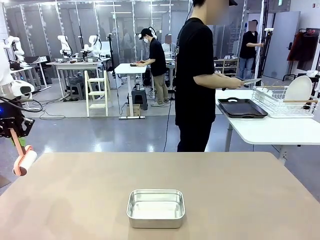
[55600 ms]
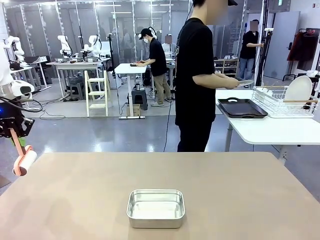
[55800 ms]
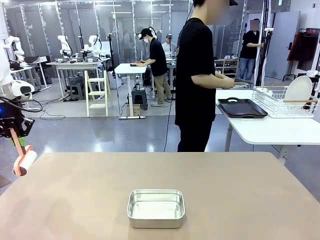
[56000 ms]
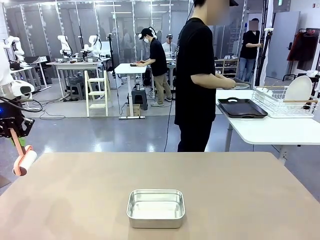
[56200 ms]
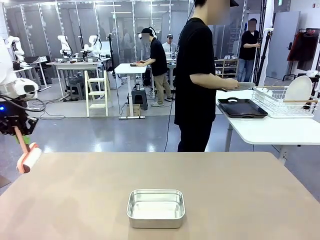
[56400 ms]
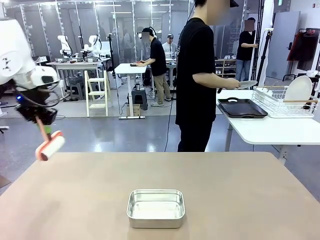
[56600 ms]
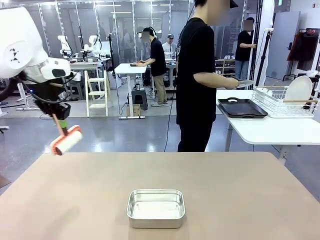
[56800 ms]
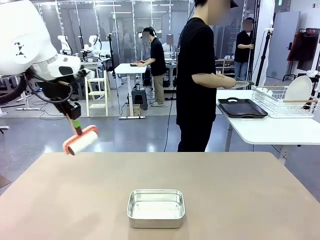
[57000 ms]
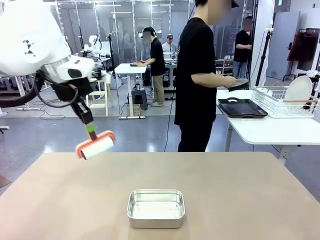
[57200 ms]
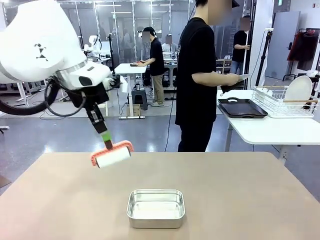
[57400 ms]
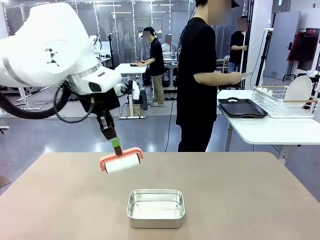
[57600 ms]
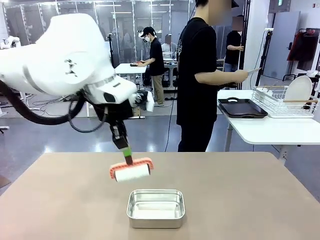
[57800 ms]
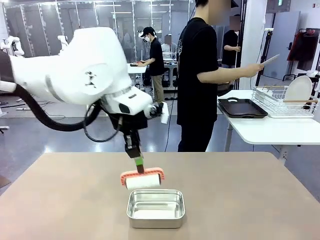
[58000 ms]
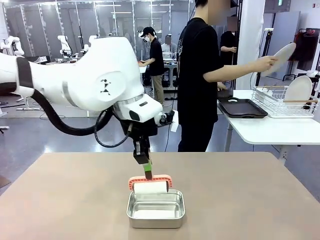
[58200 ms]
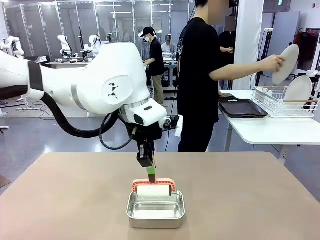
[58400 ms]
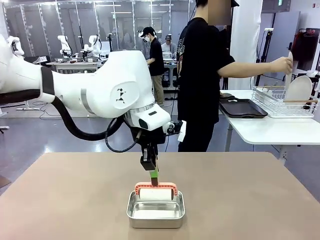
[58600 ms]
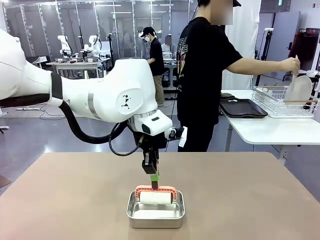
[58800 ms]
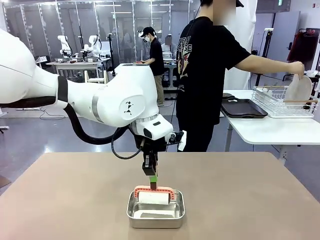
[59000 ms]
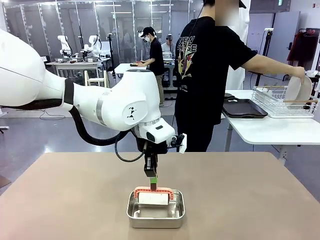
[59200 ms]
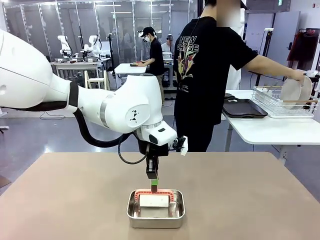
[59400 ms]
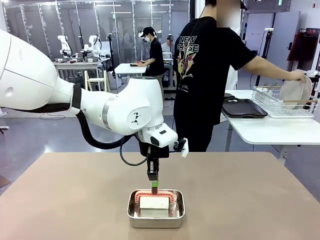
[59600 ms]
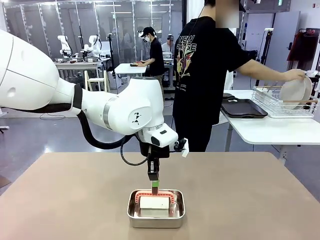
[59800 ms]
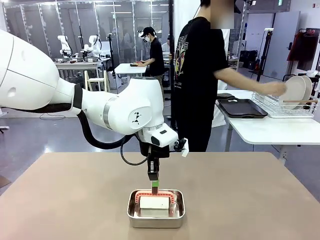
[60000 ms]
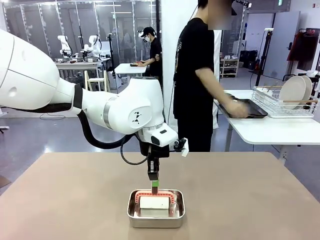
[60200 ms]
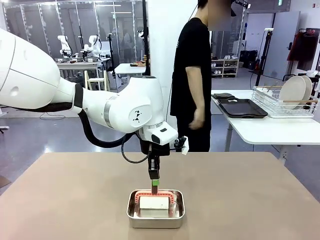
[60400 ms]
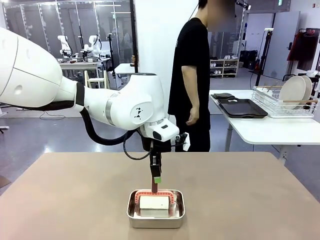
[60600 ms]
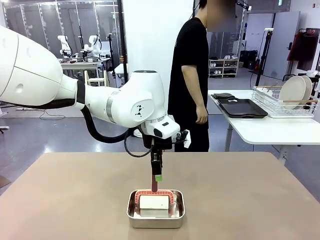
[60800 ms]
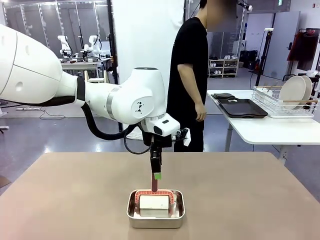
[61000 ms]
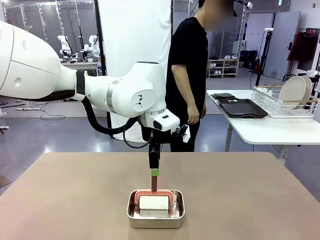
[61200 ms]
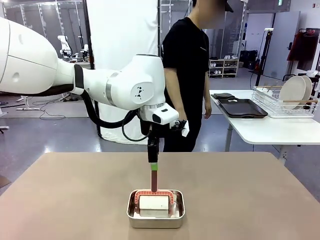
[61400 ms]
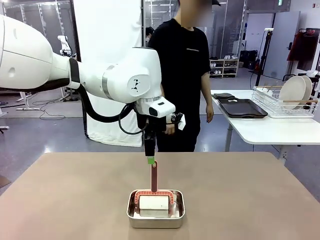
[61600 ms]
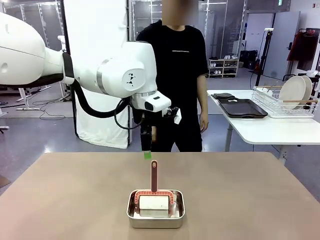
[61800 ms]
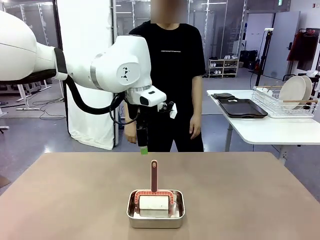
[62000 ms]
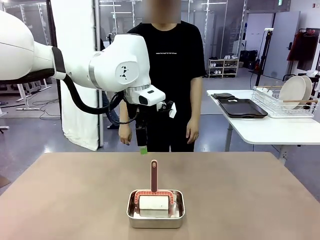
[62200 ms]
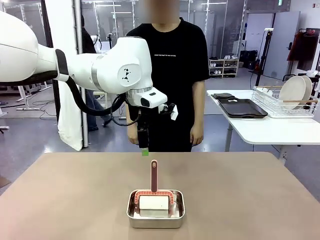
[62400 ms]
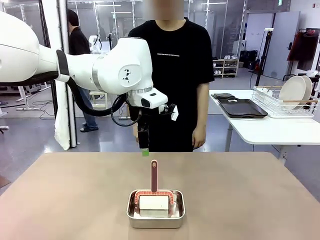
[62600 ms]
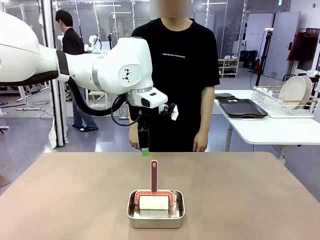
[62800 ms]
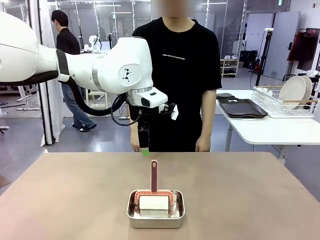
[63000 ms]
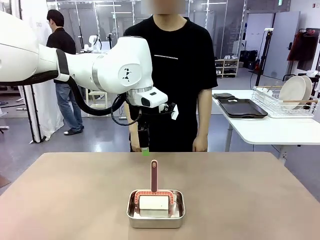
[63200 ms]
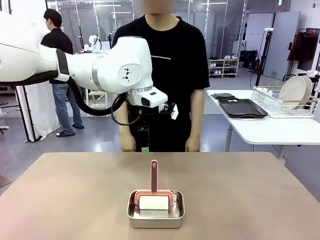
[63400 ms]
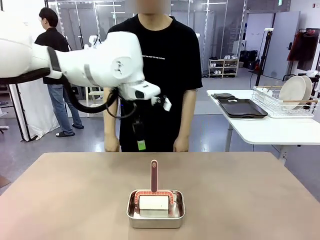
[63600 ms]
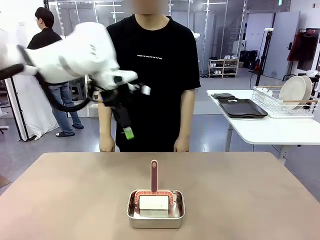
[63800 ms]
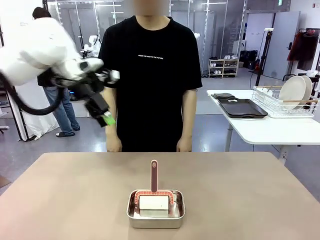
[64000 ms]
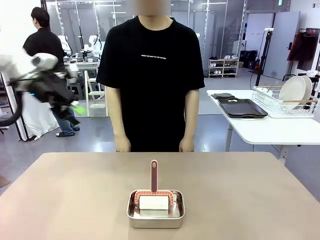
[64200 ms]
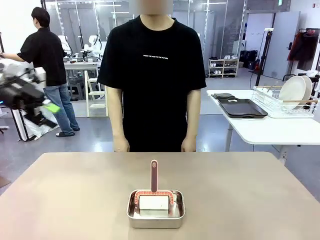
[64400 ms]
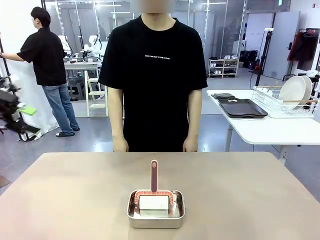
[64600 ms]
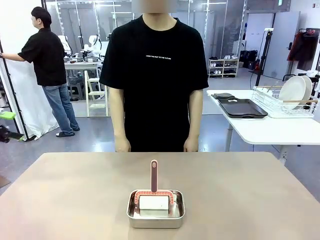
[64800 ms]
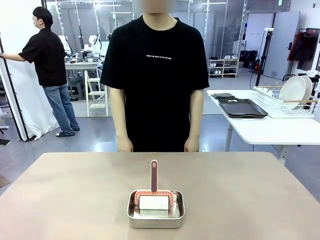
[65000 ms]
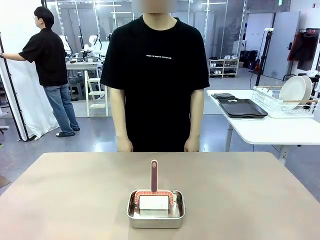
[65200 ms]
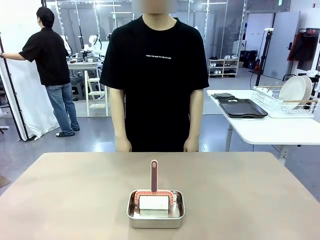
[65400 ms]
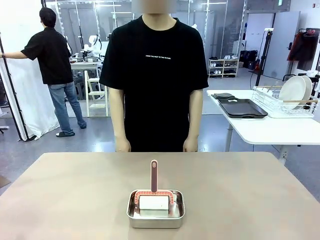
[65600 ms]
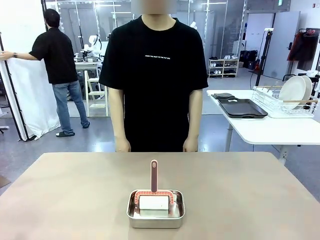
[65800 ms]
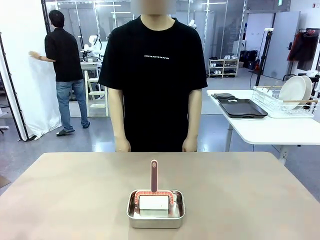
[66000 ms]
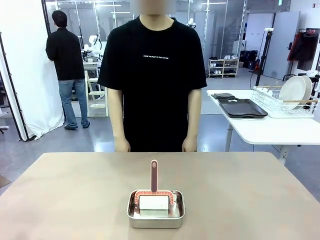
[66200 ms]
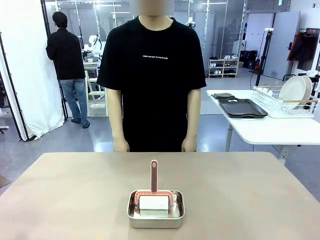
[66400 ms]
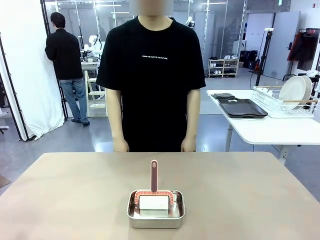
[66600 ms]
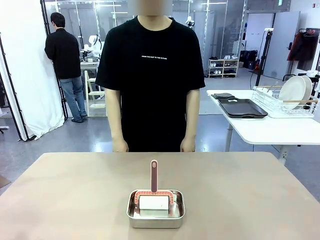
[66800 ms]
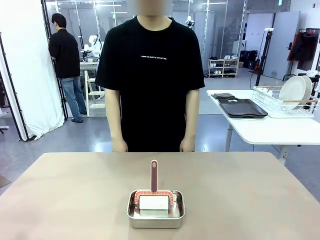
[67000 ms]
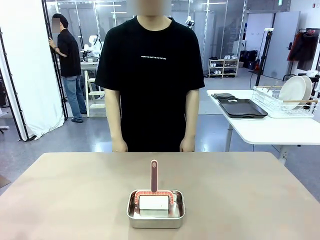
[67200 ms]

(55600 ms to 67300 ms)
Robot: Place the Lint Roller back on top of the Airtight Container.

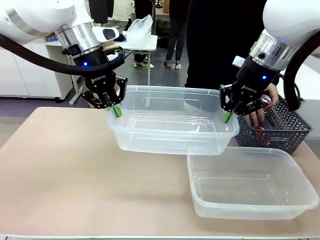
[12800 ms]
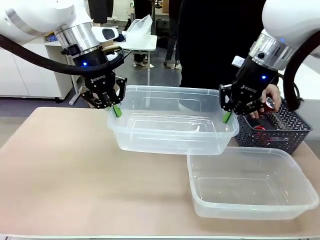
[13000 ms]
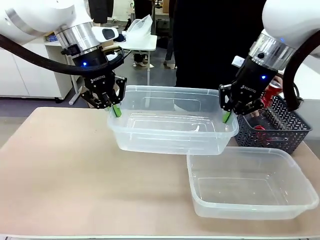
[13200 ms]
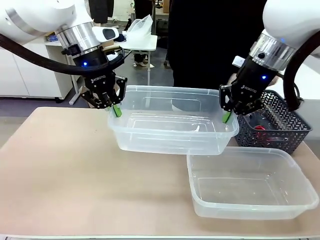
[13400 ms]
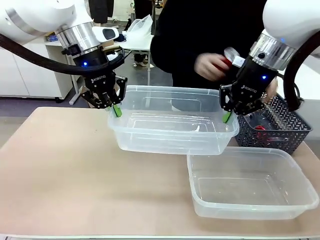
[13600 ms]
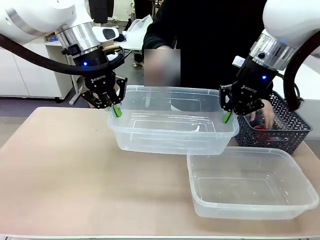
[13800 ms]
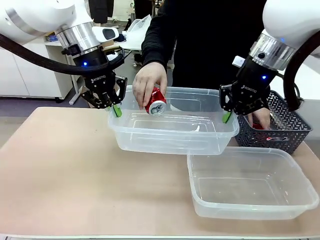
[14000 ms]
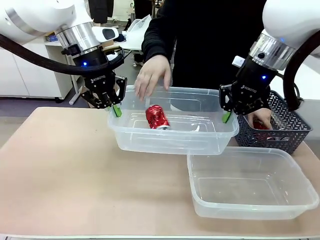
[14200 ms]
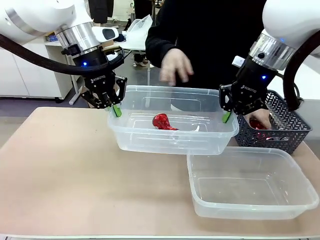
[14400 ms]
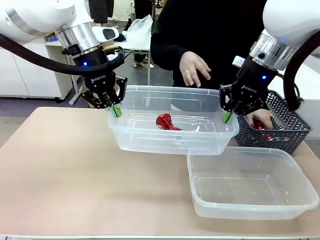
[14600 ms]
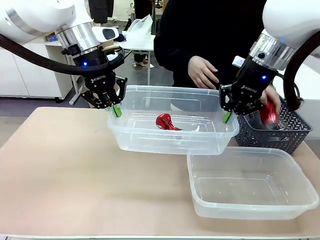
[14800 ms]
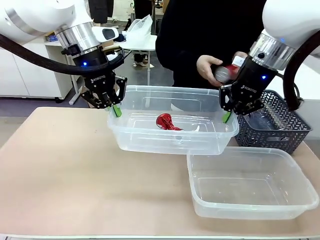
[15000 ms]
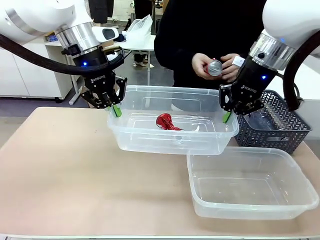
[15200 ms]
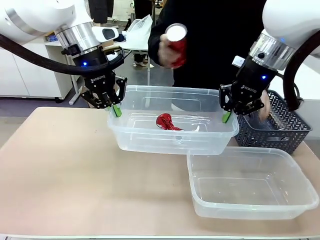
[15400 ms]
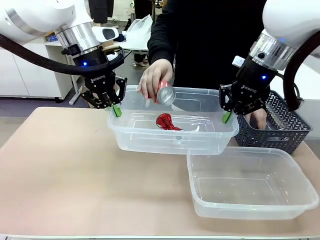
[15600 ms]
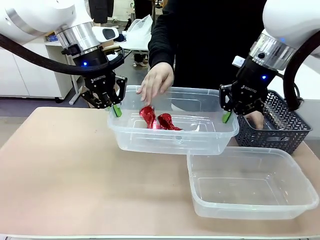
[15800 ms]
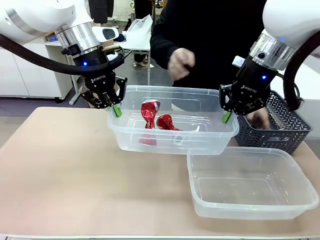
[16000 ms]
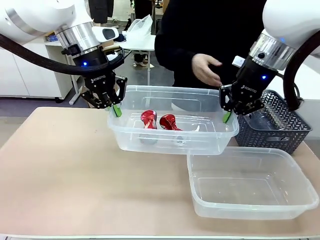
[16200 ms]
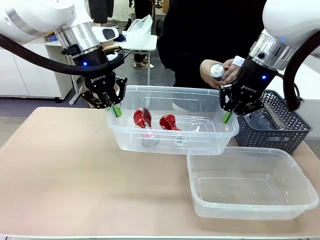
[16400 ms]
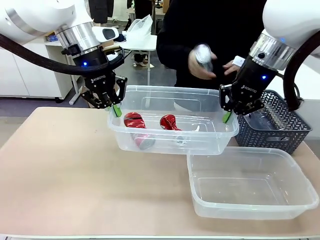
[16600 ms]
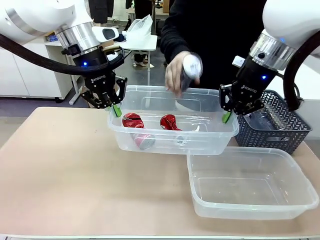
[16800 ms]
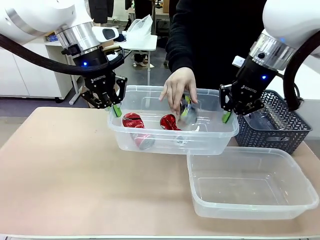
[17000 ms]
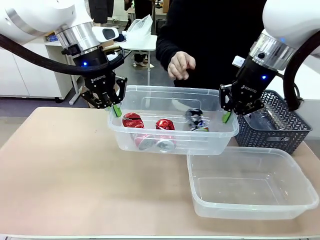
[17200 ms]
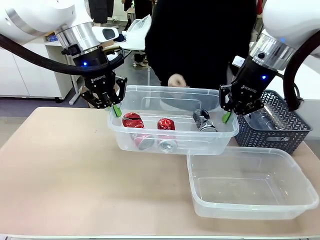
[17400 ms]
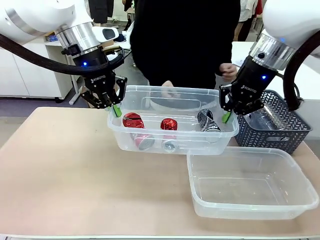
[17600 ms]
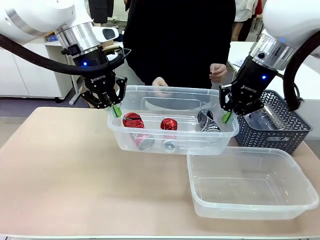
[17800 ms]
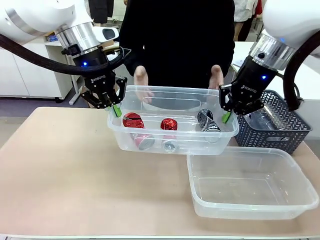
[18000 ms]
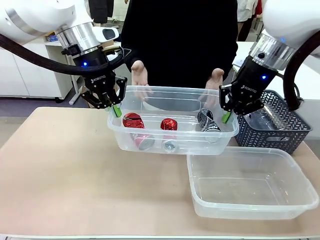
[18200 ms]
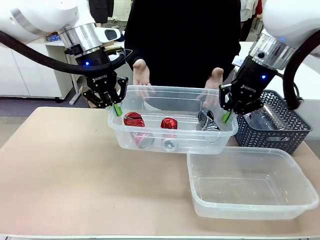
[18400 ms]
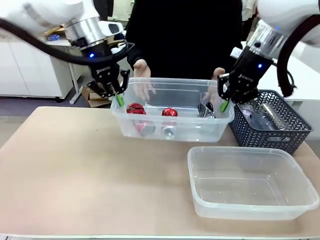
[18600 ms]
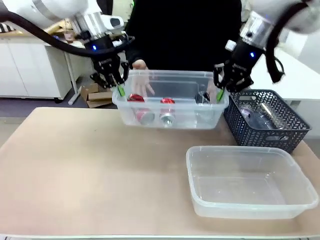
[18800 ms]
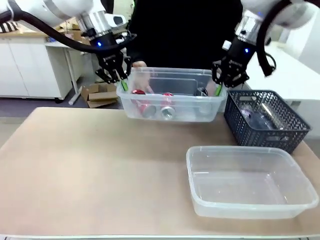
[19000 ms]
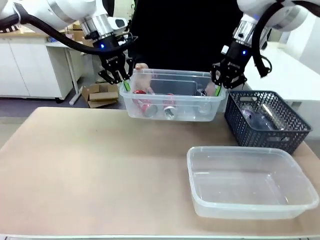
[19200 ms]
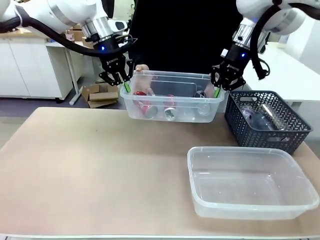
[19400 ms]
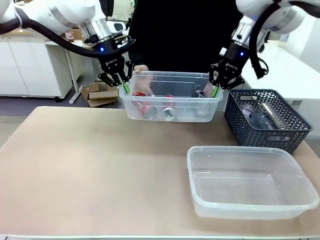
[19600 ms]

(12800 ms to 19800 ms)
Robot: Offer the picked Organizing box to the human.

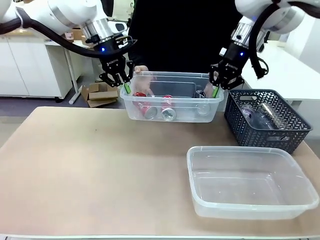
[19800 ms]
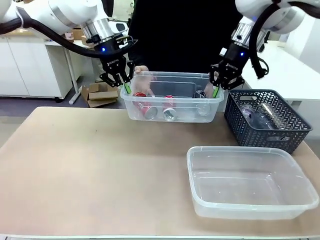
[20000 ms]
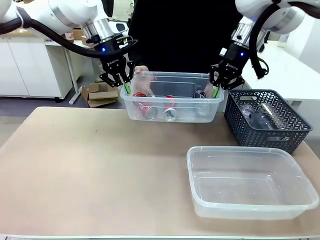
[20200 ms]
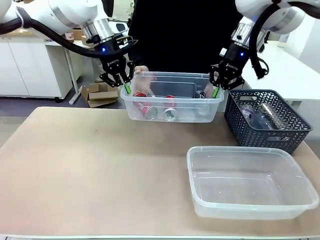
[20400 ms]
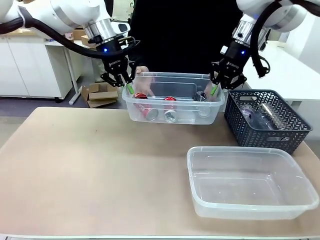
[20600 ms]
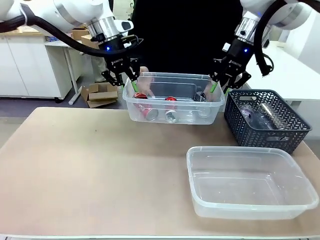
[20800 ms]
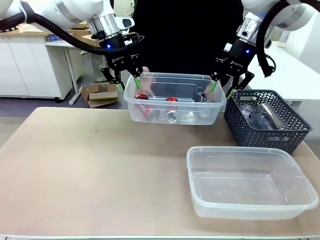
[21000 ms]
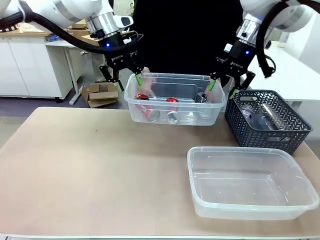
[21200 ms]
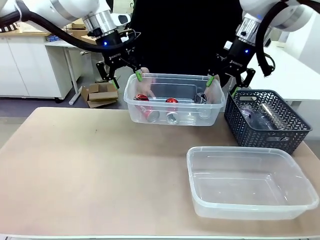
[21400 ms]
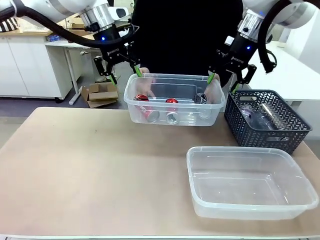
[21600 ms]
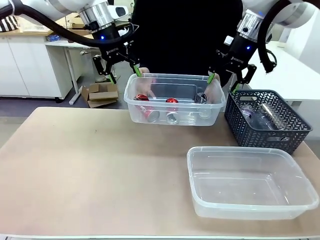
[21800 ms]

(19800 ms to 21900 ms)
Robot: Release the Organizing box you were holding.
